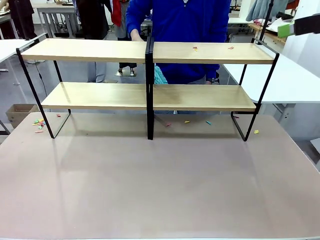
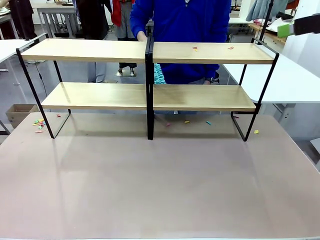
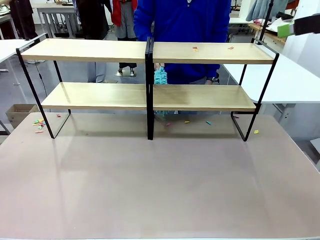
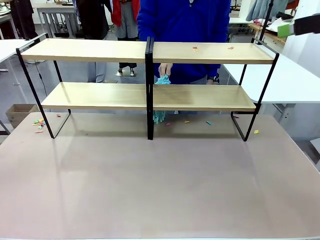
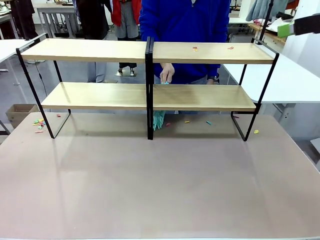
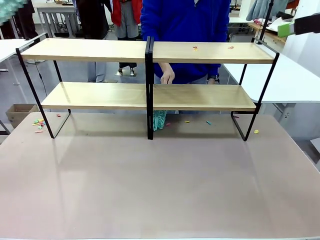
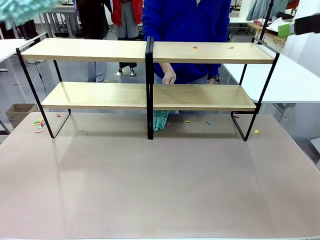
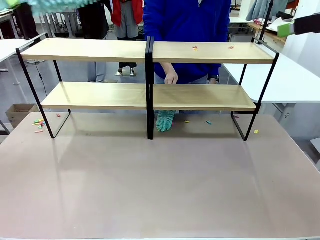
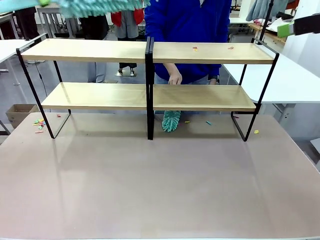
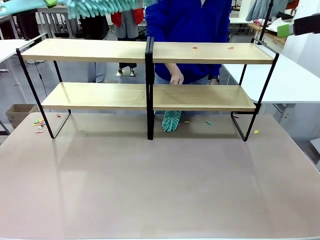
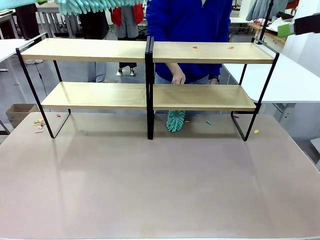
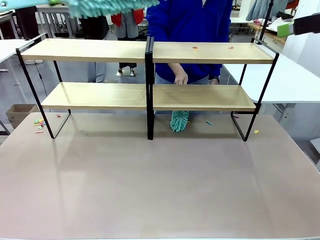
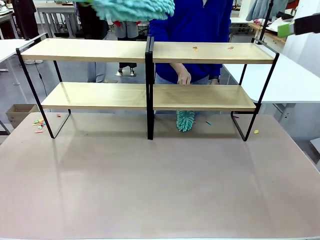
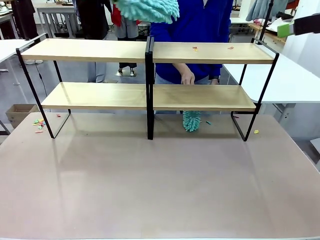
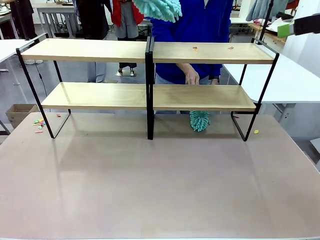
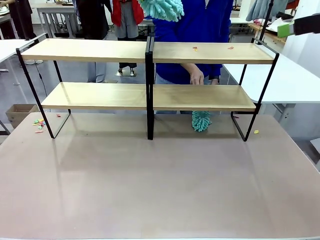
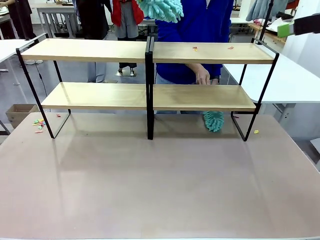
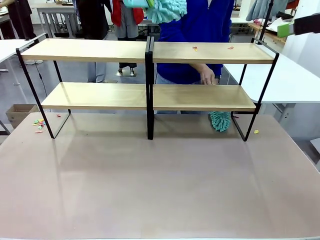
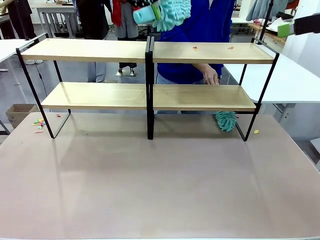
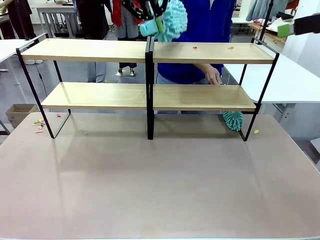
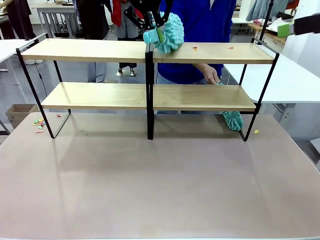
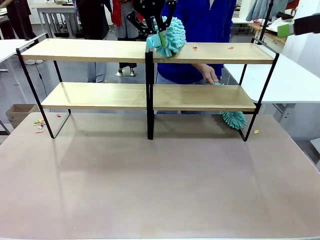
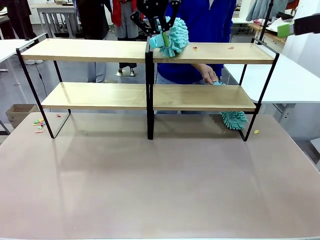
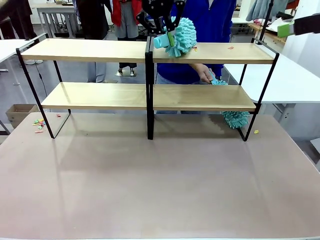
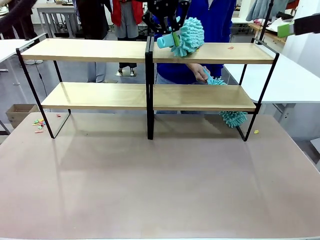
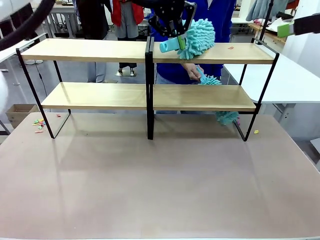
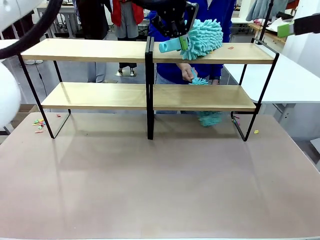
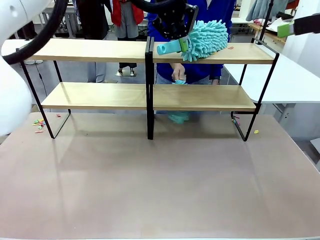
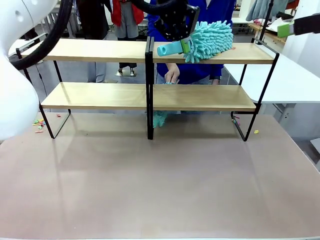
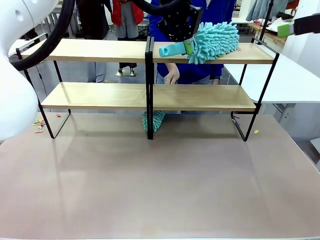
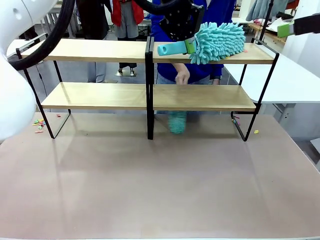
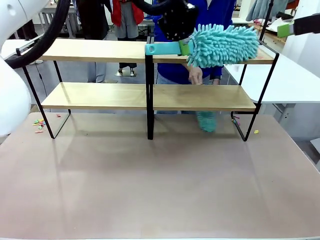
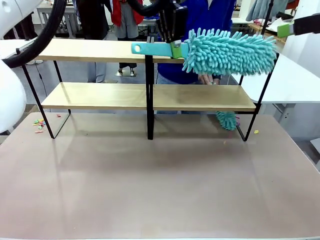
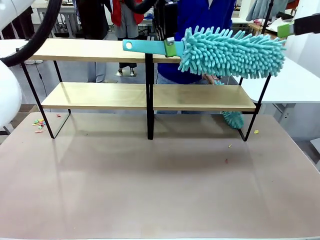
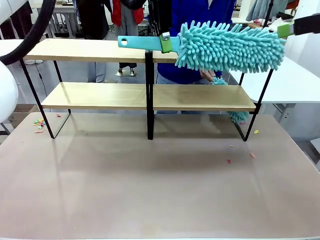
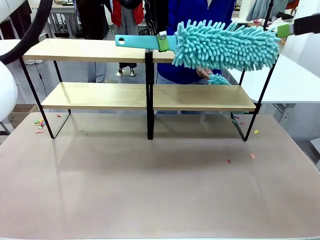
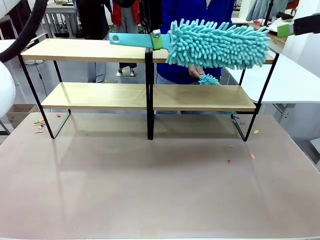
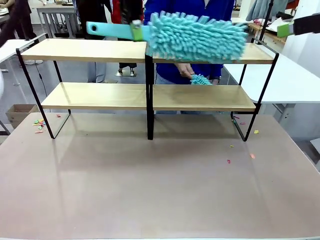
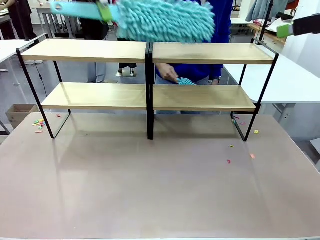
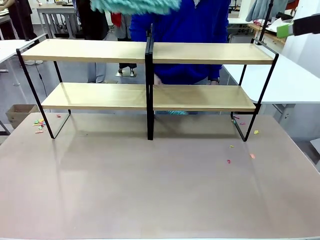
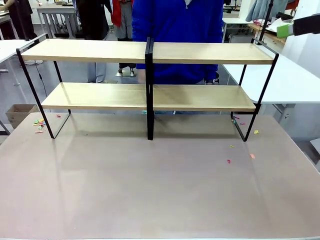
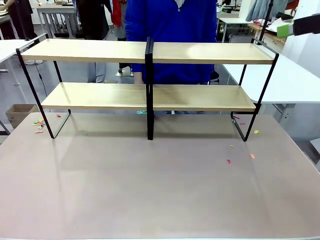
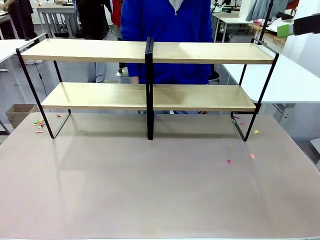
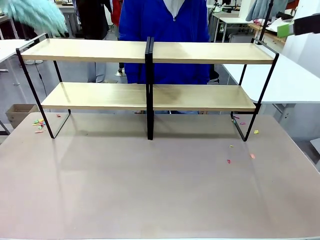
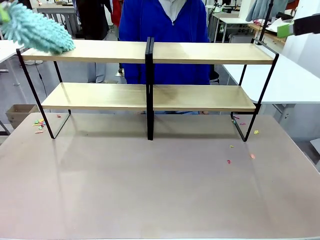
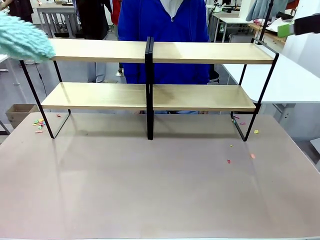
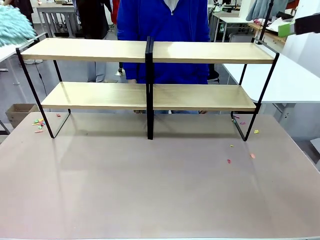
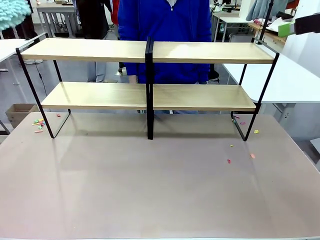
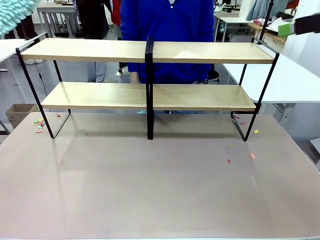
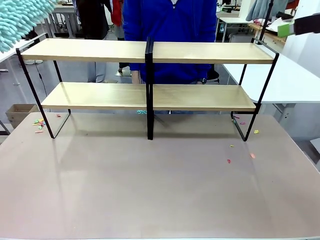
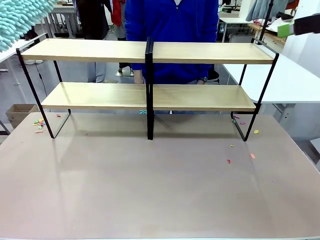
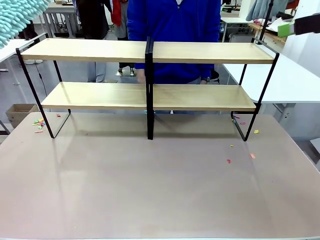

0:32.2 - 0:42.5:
Task: Clean the shelves.
Robot: Clean another randomly selected level of the Shelf with the Duster.

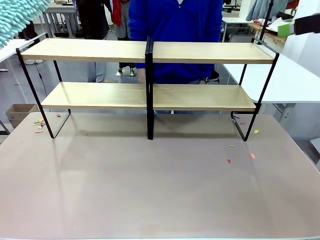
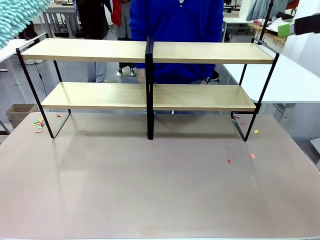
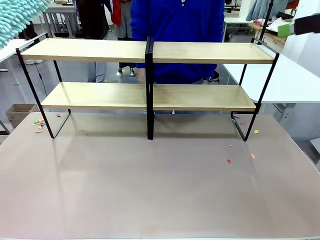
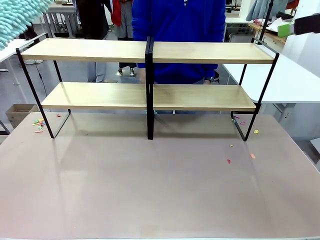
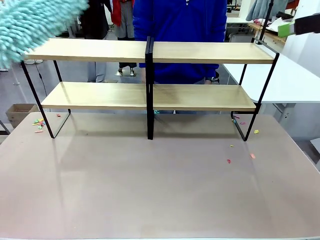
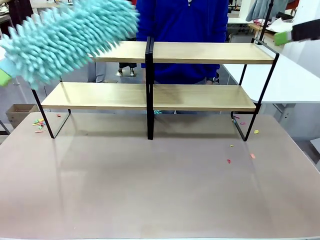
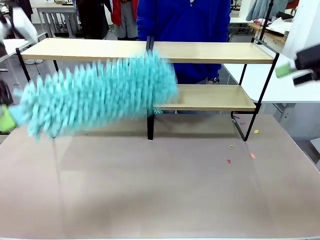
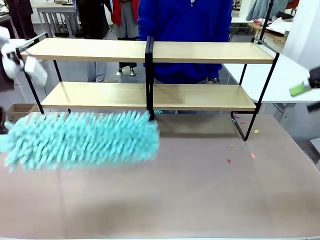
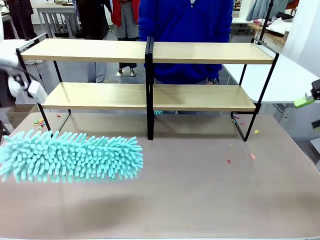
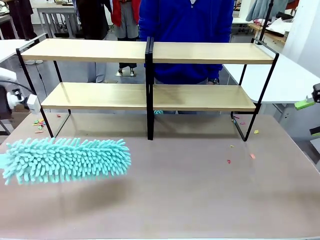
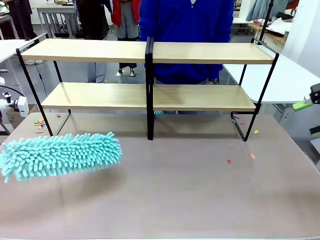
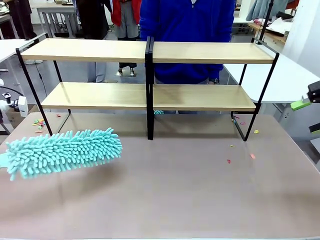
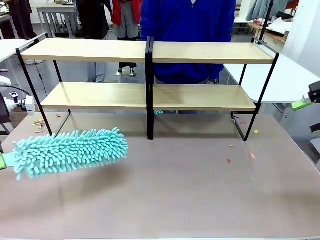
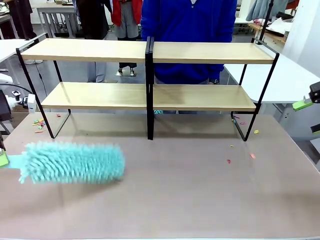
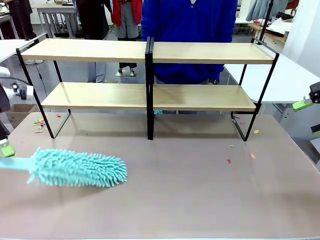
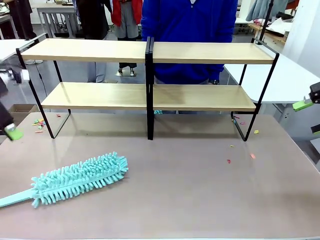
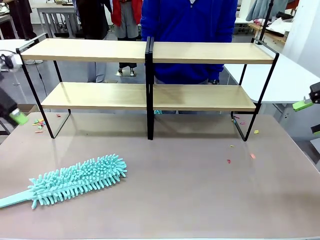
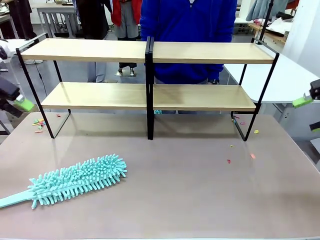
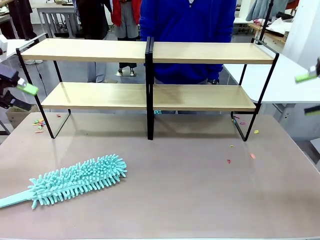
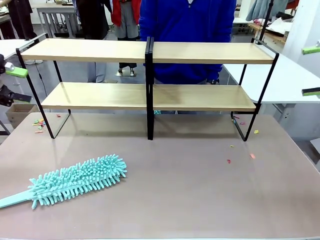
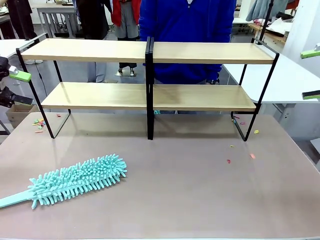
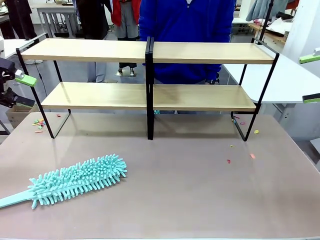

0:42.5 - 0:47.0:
Robot: Place the Duster on the table.
